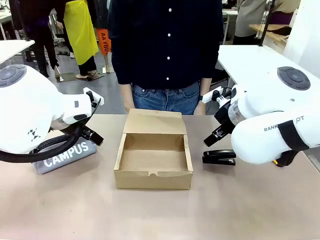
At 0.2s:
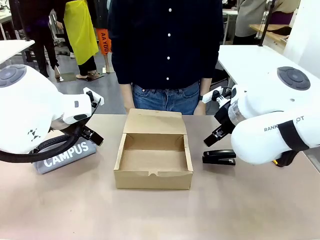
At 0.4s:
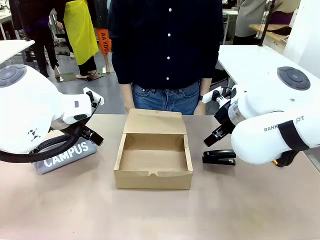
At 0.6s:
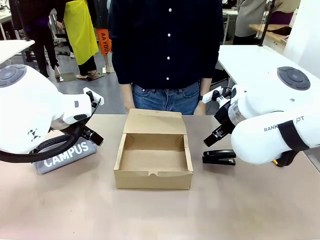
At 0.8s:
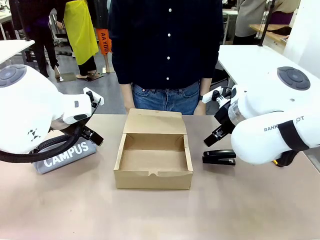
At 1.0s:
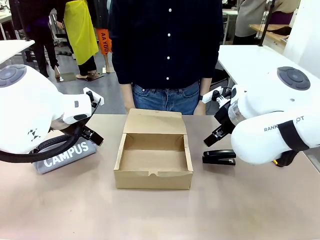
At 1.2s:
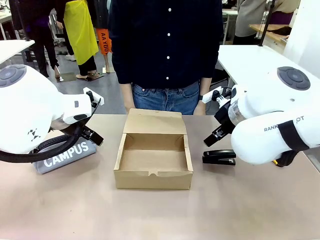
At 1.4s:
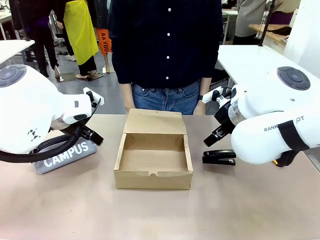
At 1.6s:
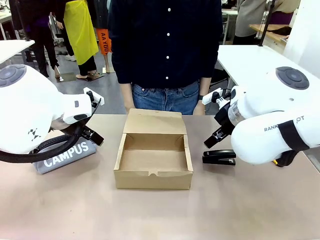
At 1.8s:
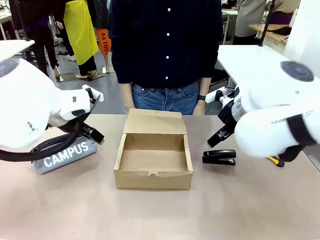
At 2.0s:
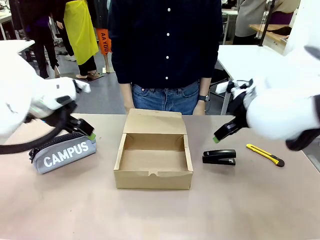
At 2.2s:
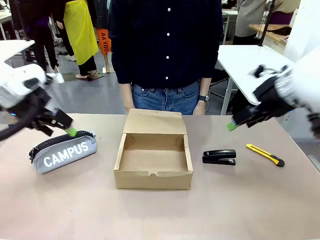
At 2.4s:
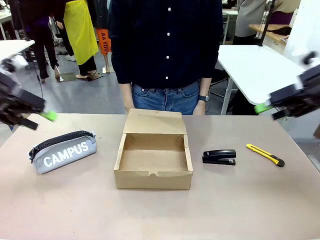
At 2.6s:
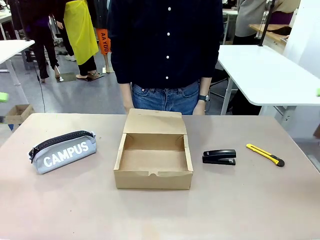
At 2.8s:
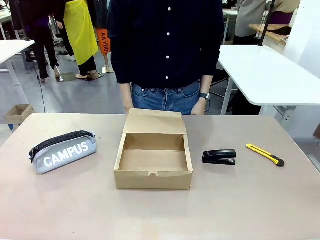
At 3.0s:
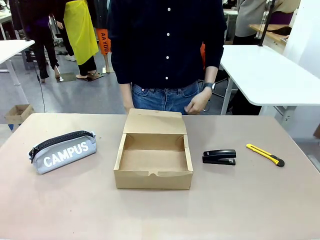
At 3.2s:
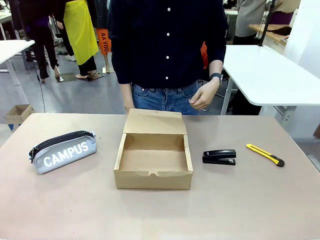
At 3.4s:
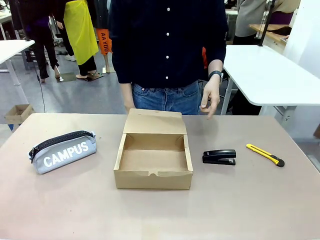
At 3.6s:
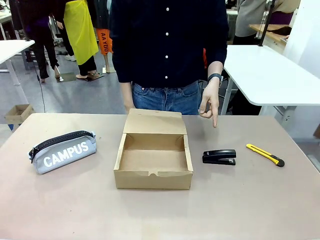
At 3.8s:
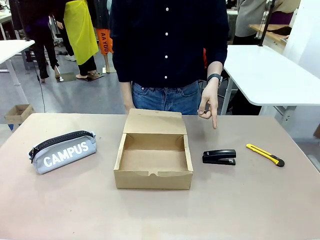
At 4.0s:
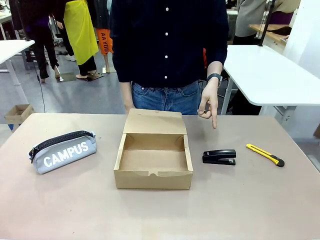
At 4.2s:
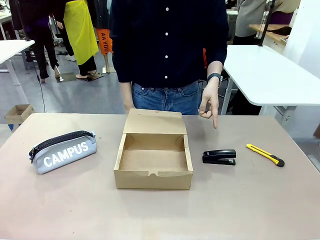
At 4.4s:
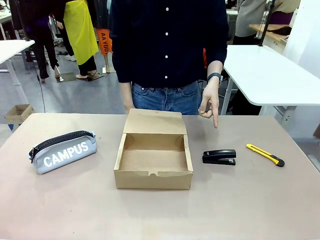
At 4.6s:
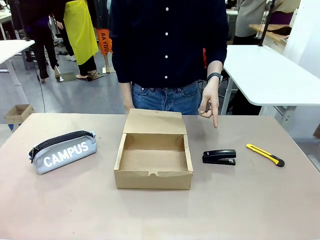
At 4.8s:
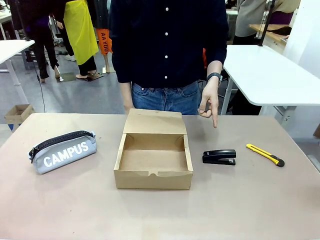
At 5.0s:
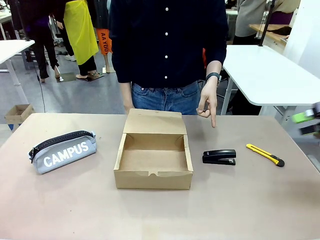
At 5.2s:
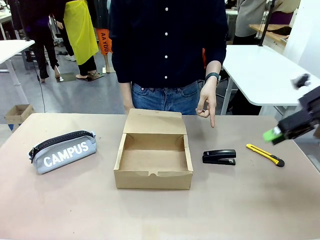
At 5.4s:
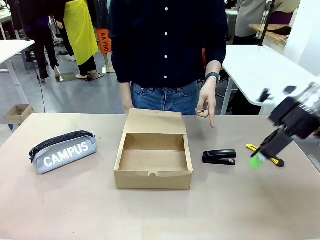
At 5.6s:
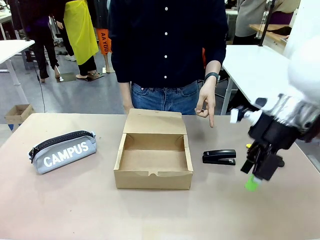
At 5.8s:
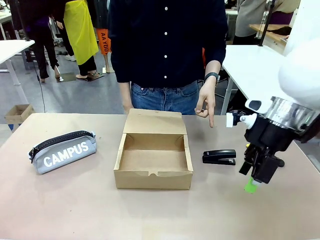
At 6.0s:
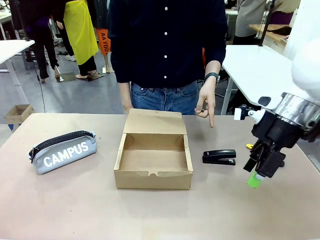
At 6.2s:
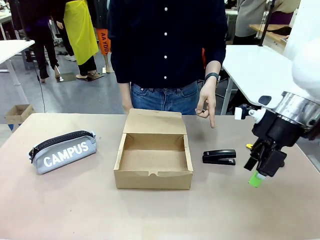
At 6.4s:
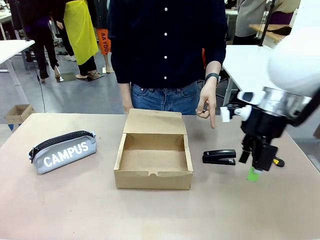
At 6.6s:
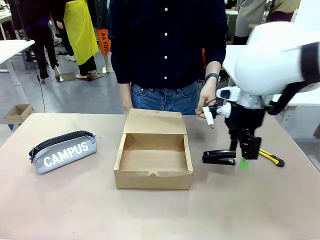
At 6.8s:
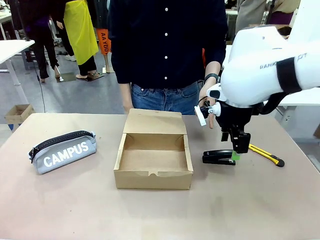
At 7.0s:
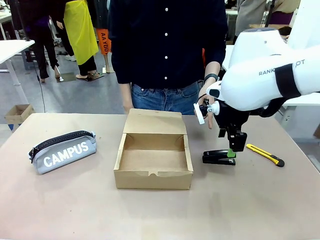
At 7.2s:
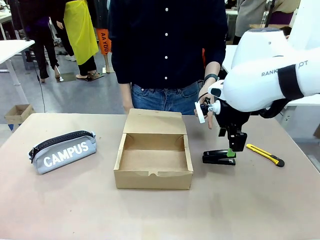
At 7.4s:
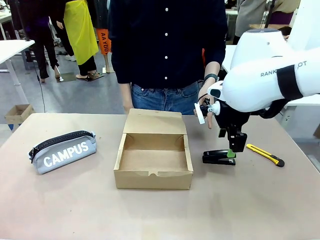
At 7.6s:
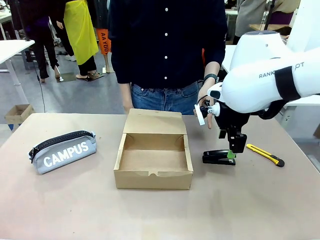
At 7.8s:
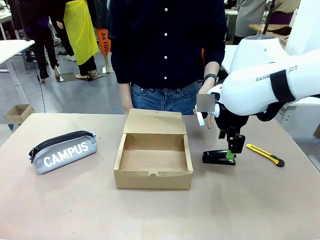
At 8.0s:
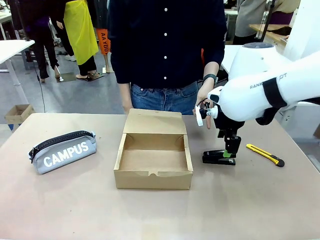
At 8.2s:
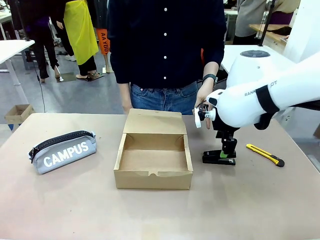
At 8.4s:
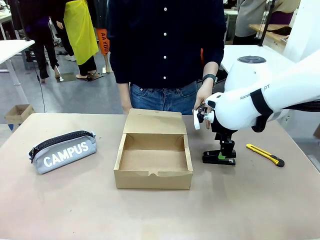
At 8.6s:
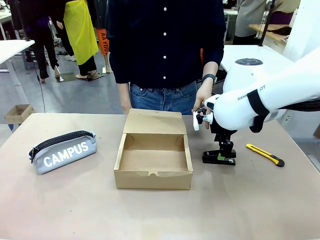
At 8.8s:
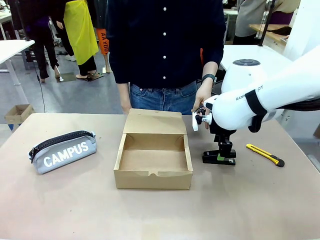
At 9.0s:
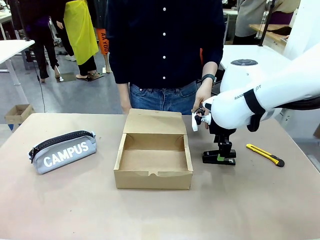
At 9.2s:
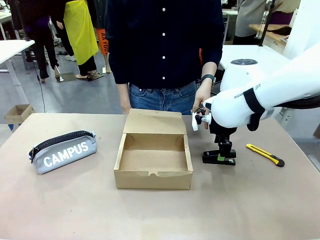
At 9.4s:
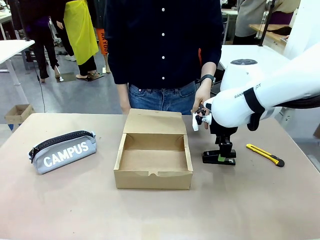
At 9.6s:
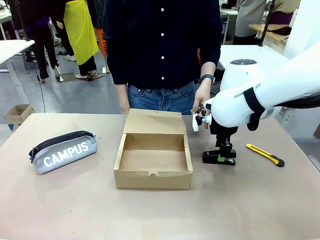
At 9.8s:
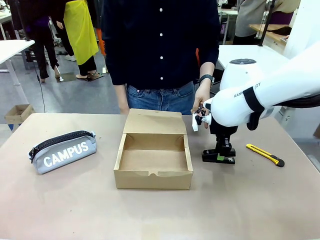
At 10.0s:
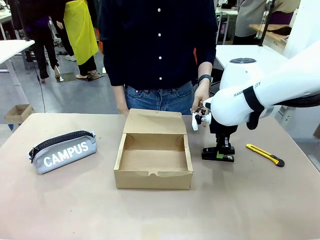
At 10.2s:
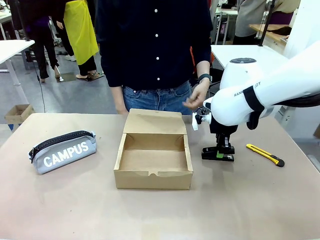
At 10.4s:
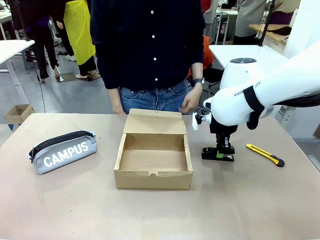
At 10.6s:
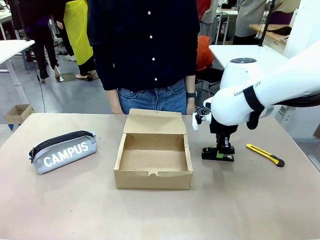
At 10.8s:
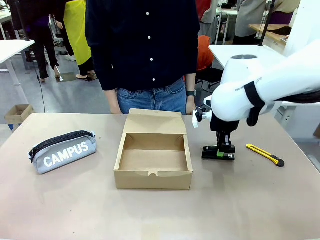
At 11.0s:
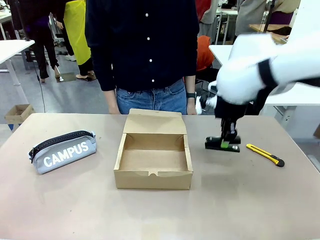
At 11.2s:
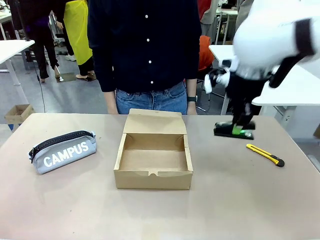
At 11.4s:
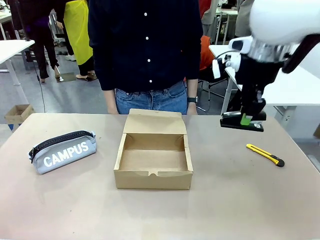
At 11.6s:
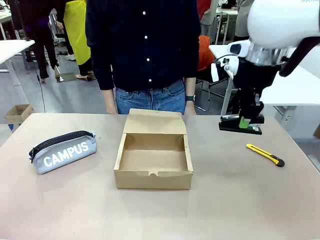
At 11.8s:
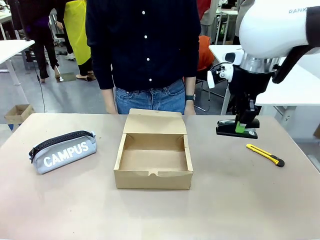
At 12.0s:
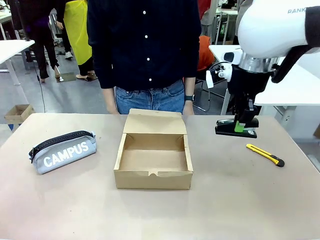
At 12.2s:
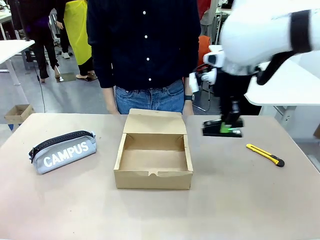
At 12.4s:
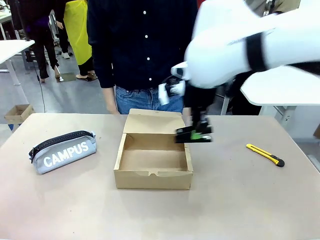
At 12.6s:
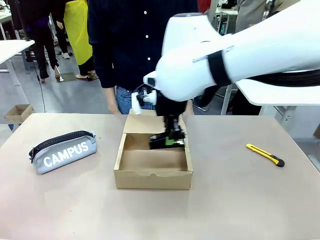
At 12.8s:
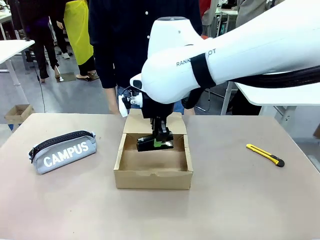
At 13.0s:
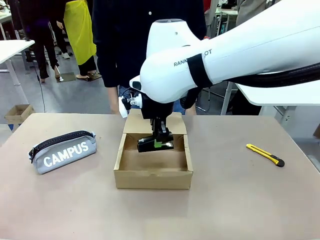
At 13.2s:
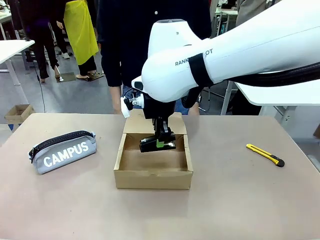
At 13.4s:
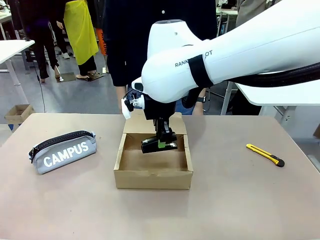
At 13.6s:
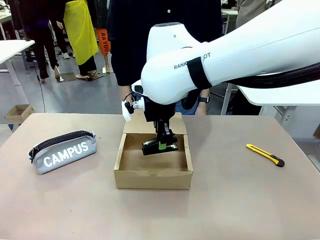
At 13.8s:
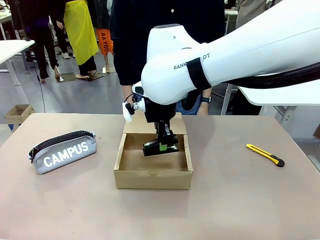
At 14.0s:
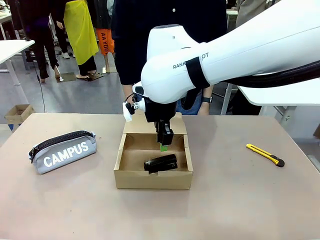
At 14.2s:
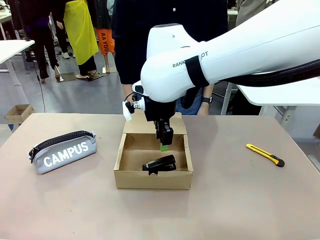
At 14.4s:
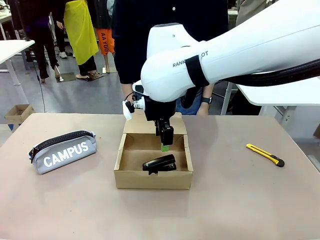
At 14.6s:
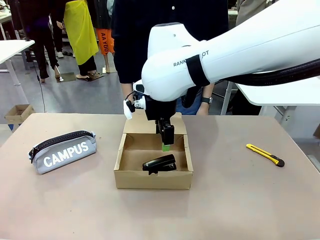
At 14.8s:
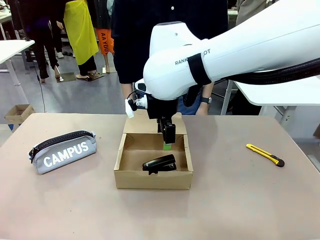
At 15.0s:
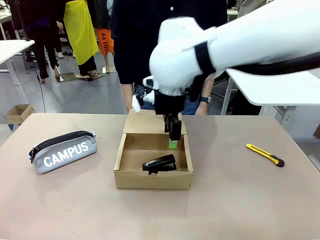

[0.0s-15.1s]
Task: Pack the items into the box.
Robot: Pick up the item specified by the human and place it in the Mailer Box.
Person: Point at one item on the table (excluding the box).
